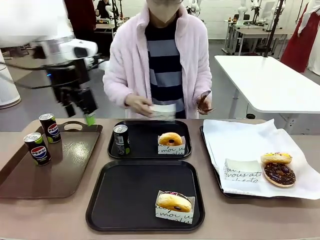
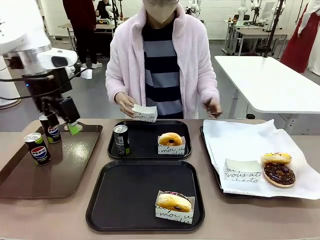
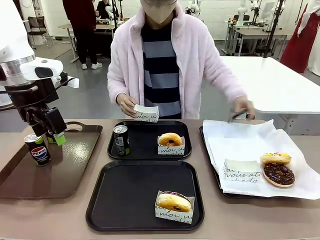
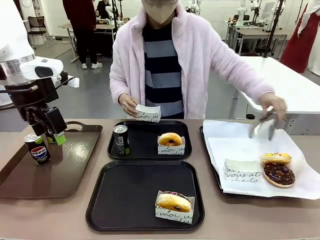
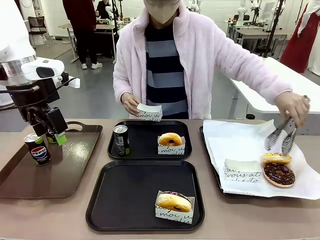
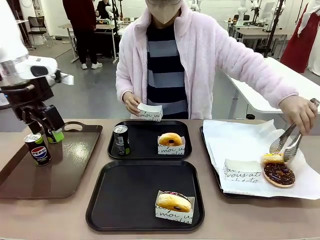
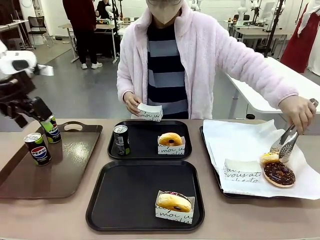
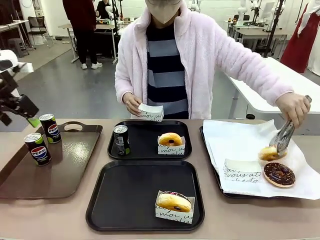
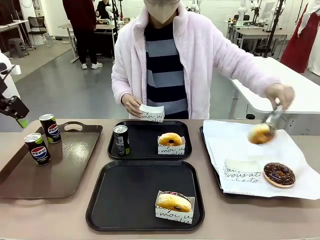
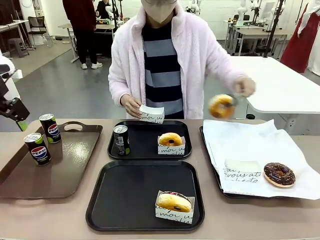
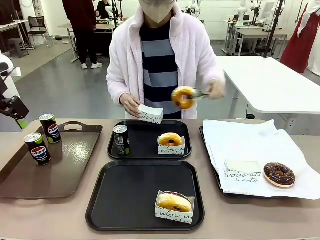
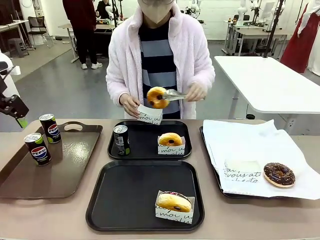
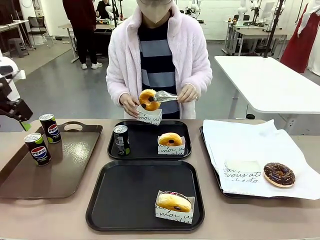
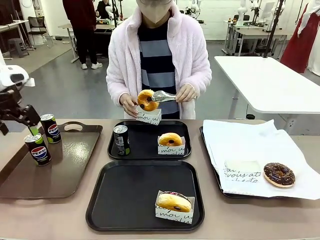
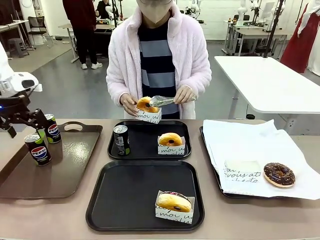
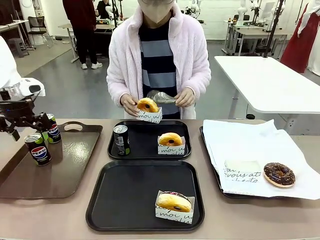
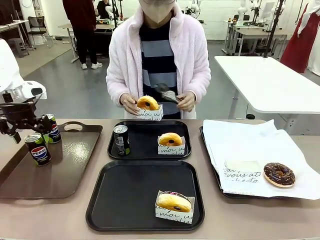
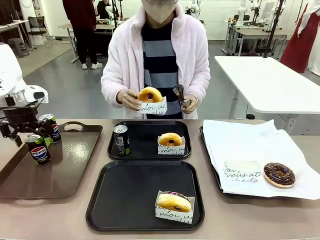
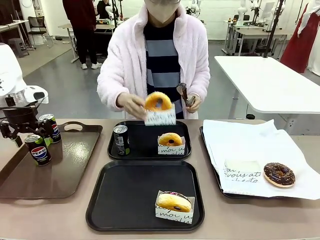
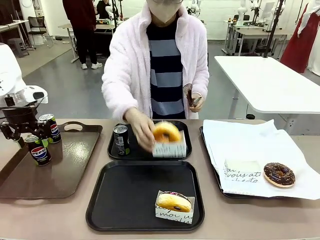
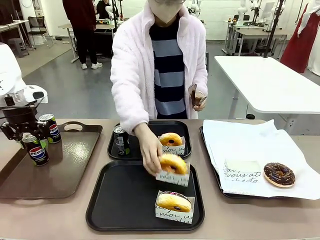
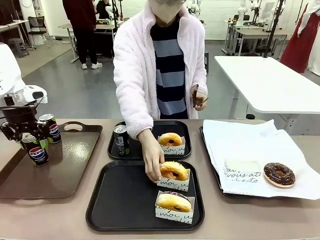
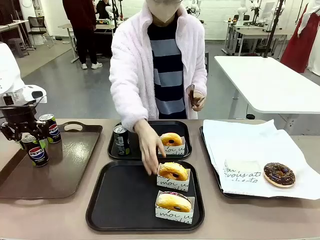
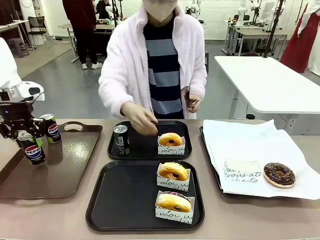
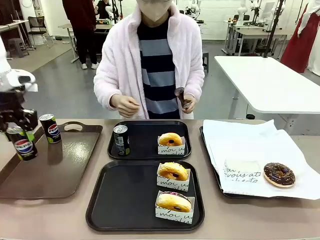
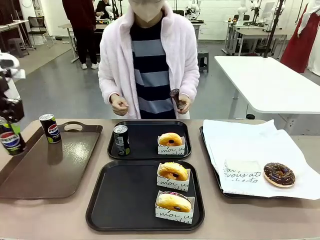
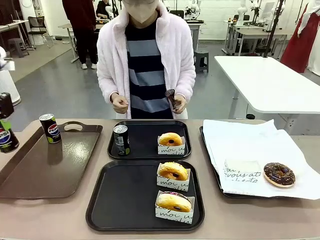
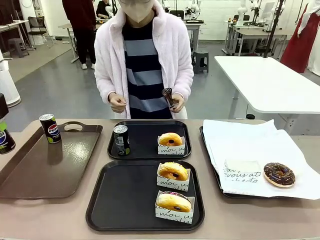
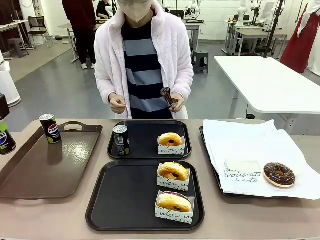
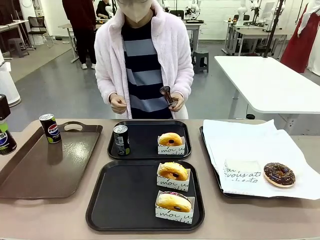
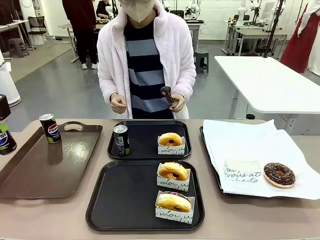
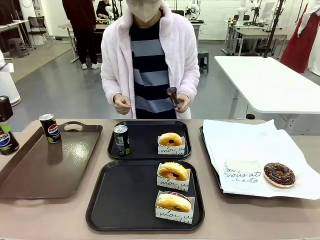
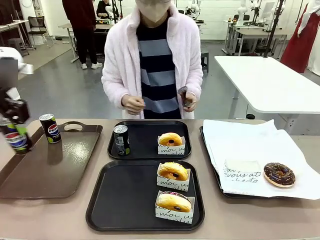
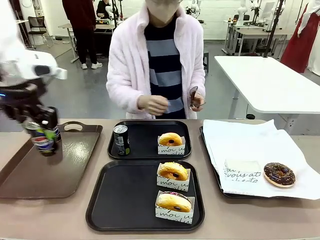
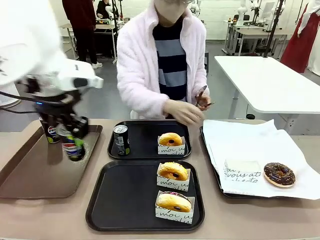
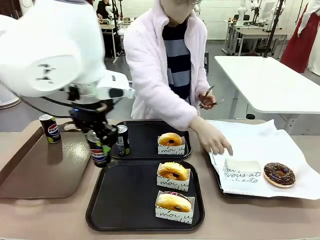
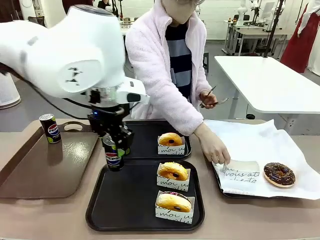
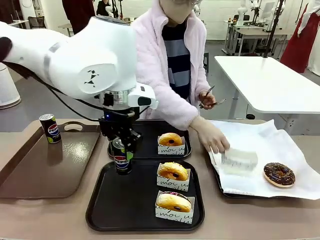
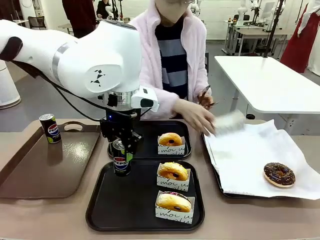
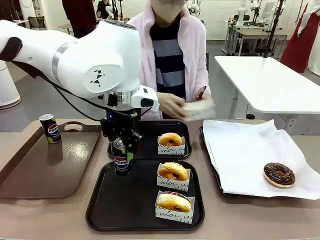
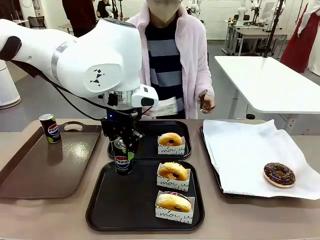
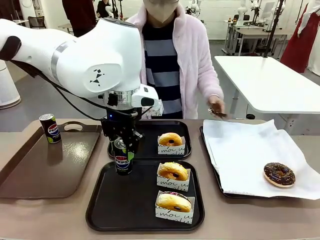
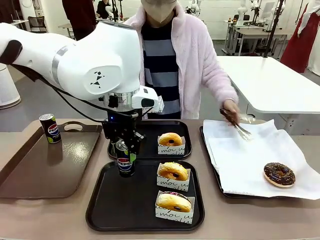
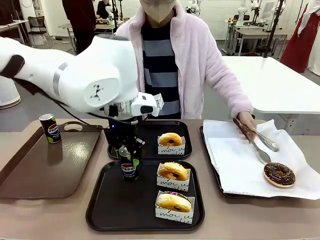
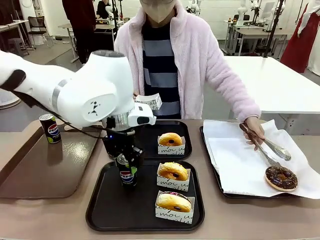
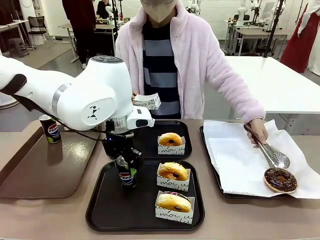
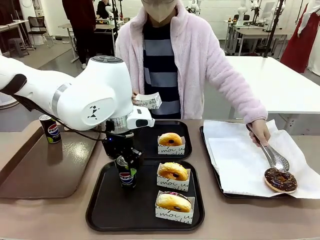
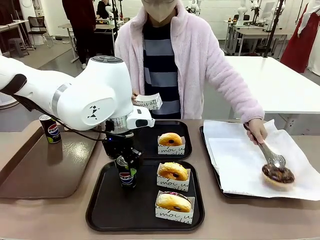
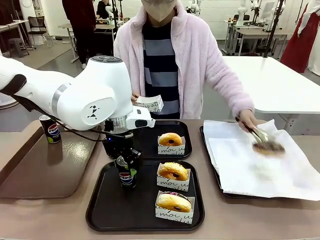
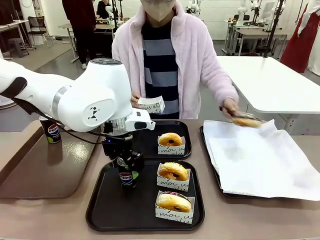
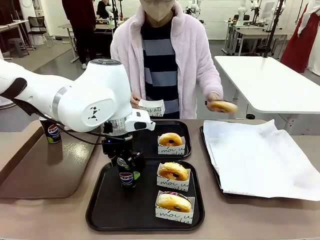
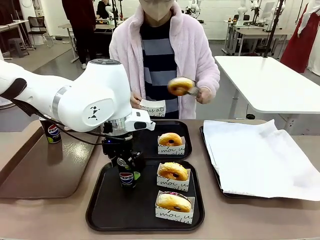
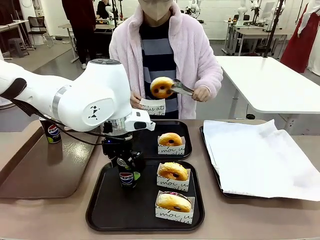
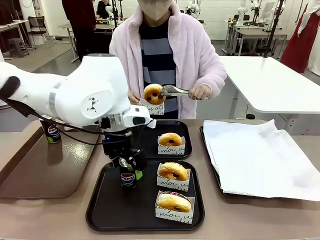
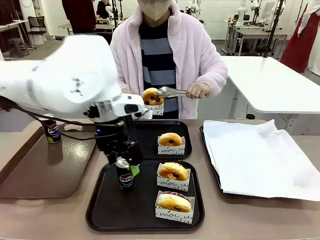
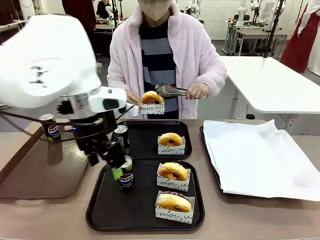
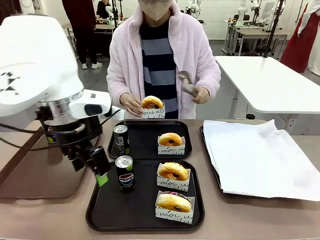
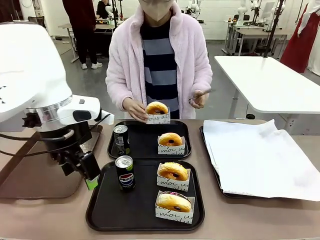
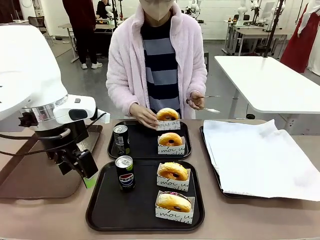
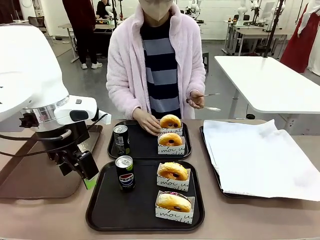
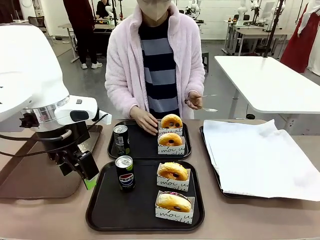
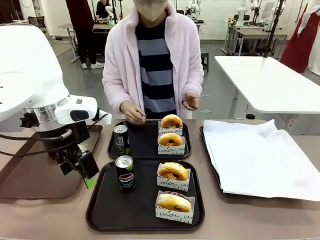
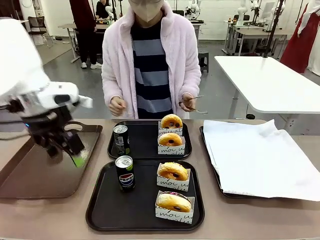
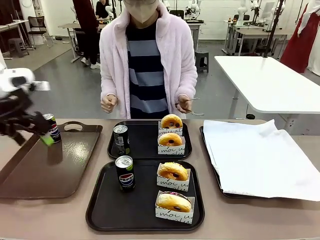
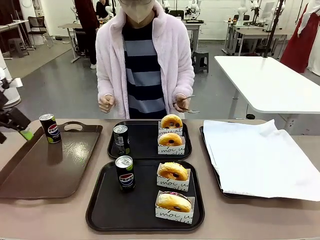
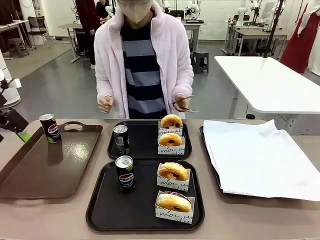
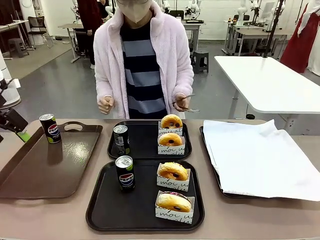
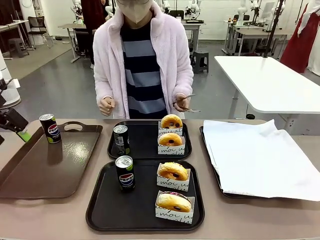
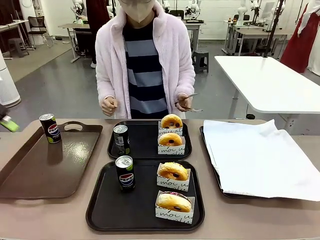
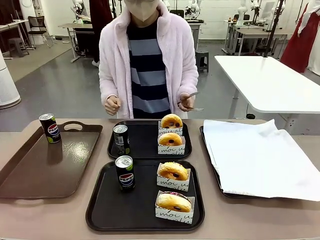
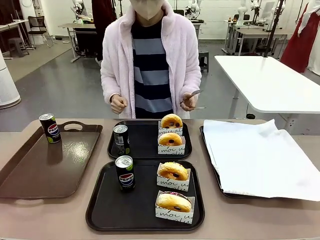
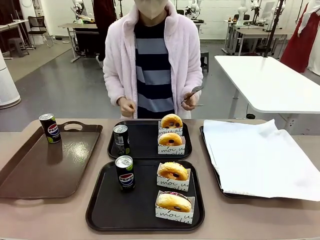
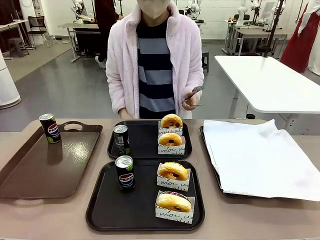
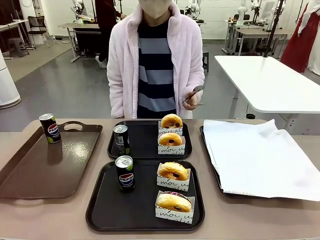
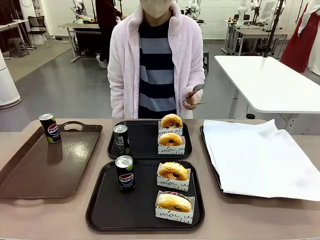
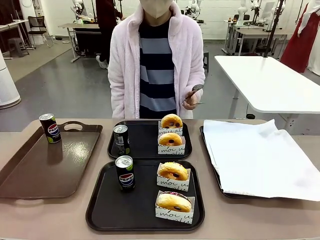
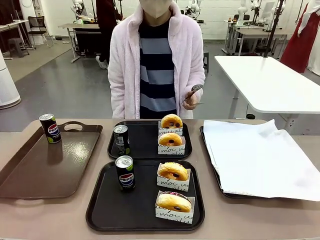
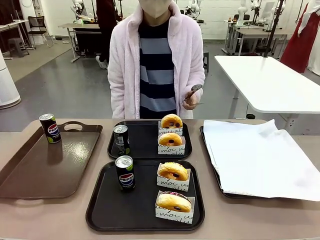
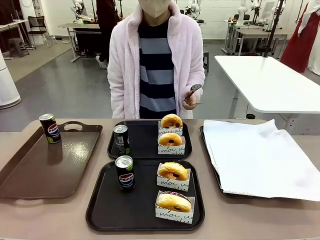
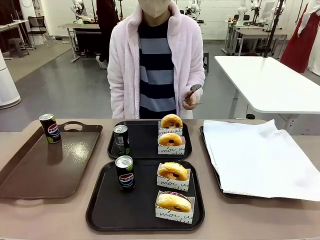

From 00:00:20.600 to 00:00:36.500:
Task: Set up donuts and drinks on trays.
Robot: Pick up one Pepsi coke from the Handle tray and place it on the Flat Tray without a Pepsi coke.
